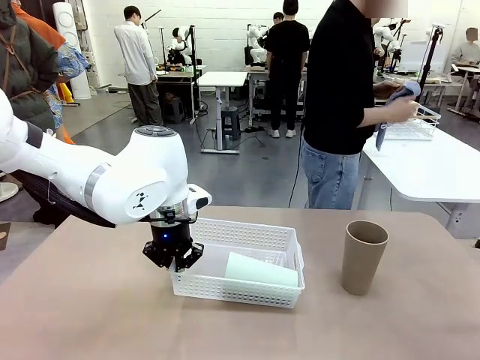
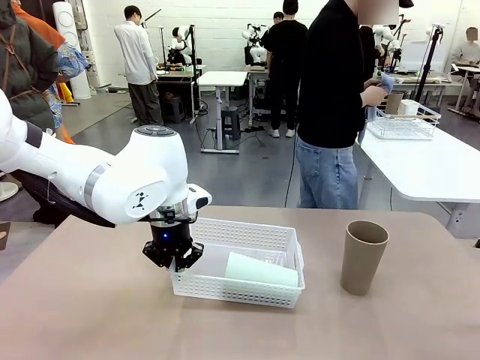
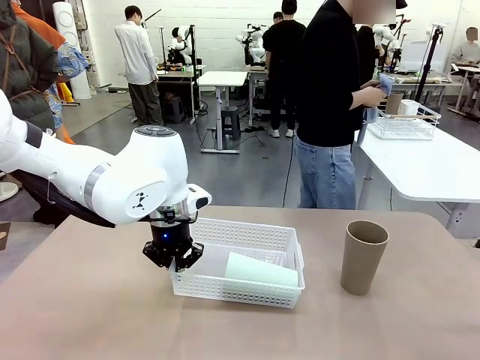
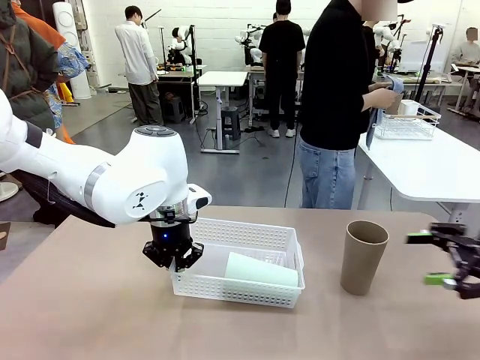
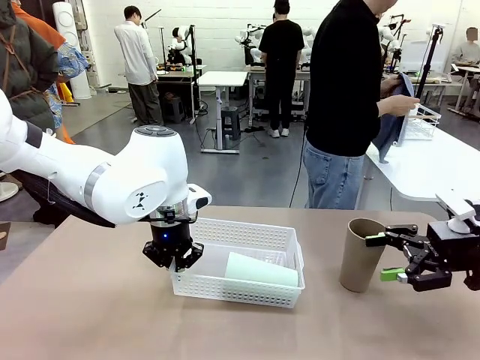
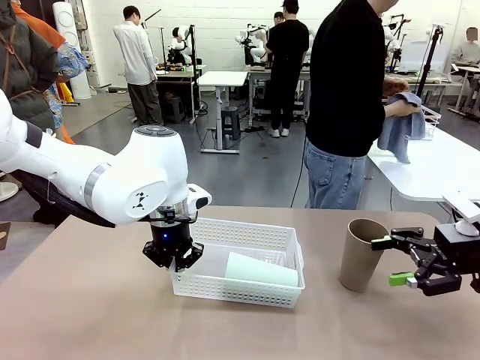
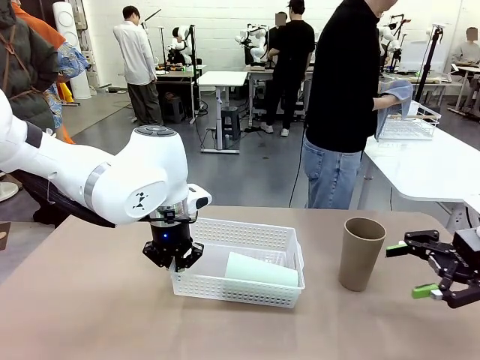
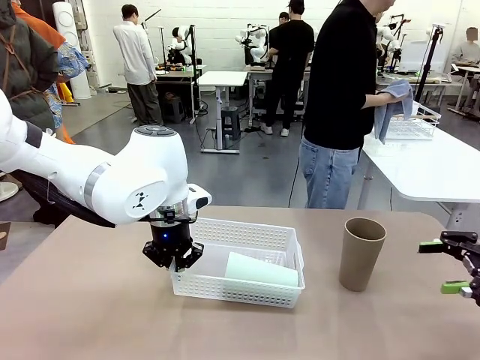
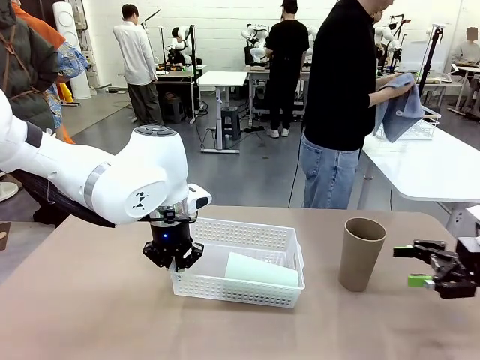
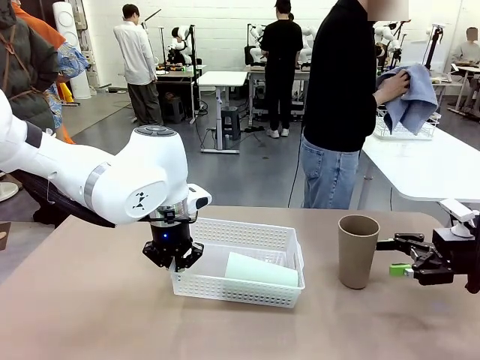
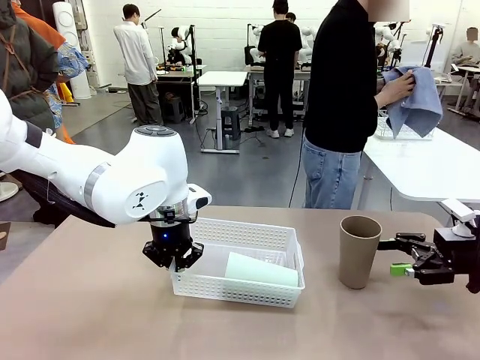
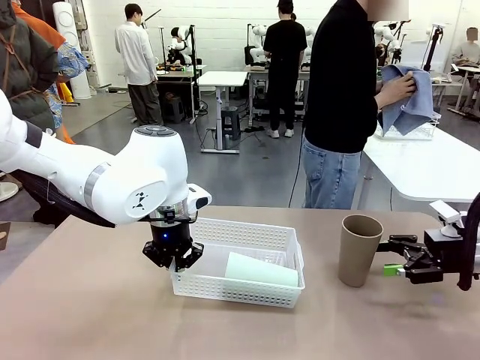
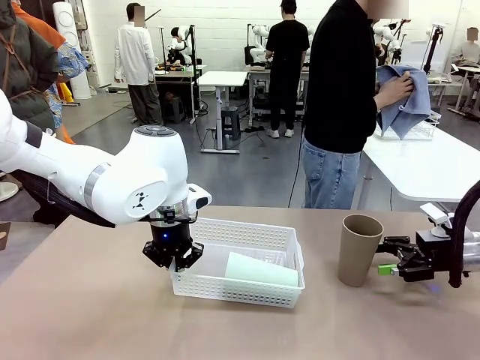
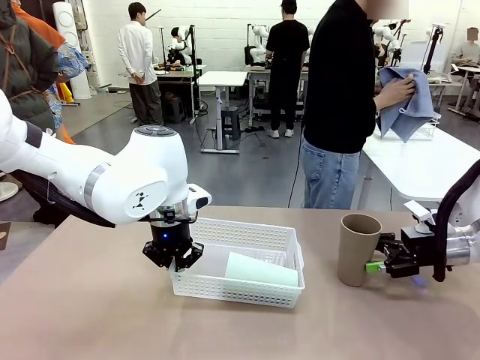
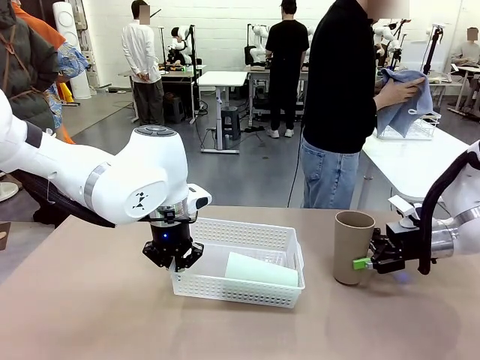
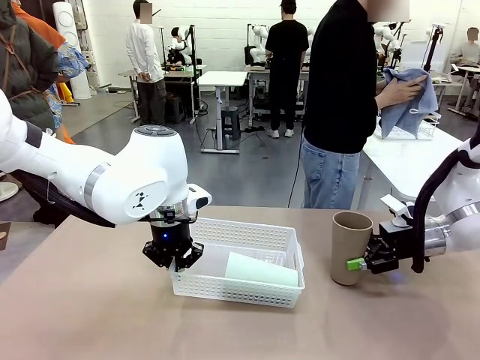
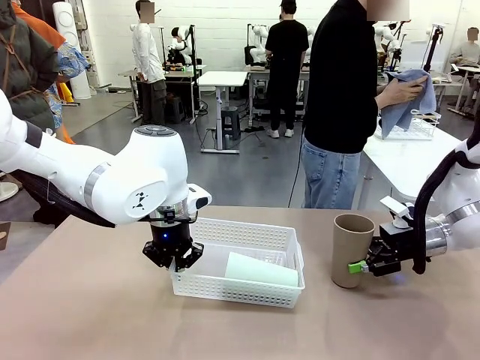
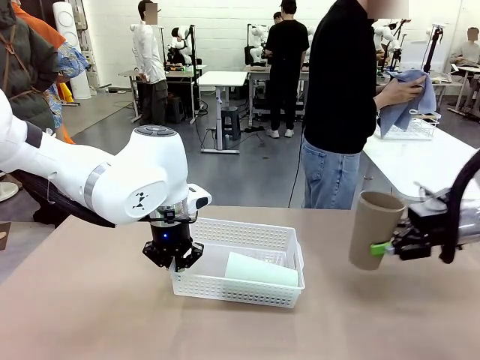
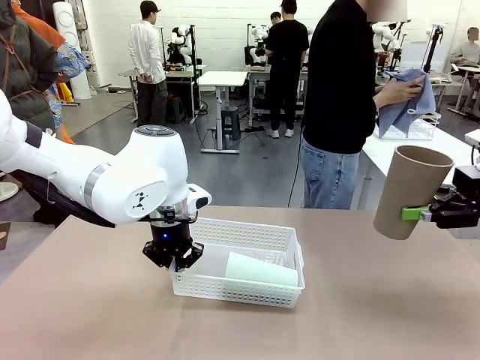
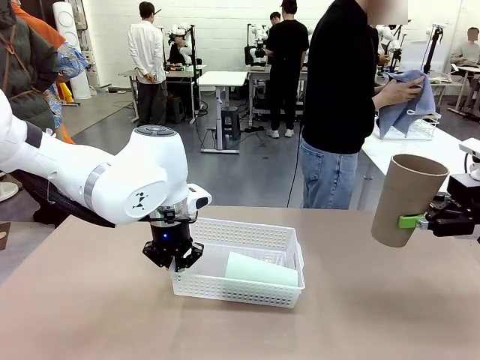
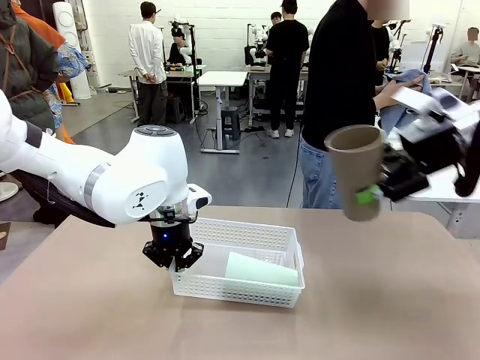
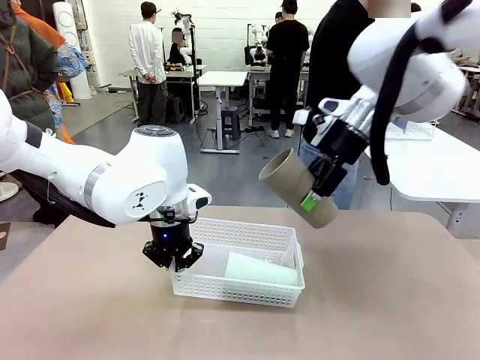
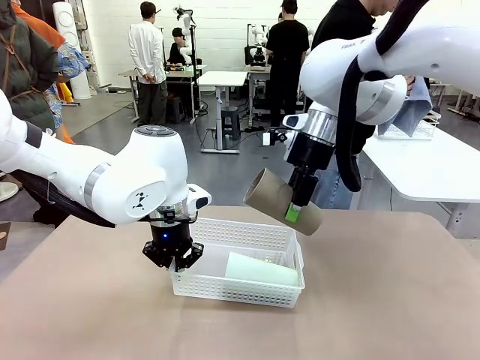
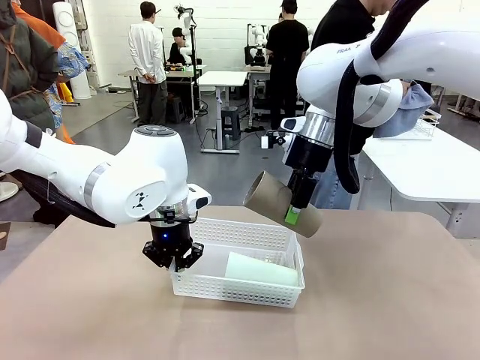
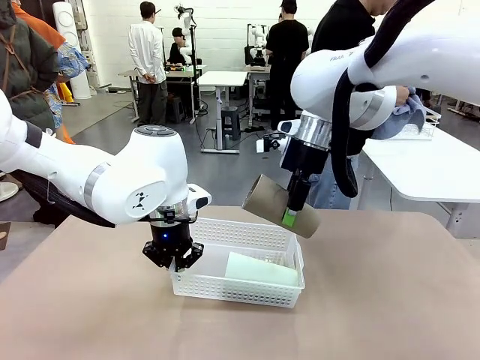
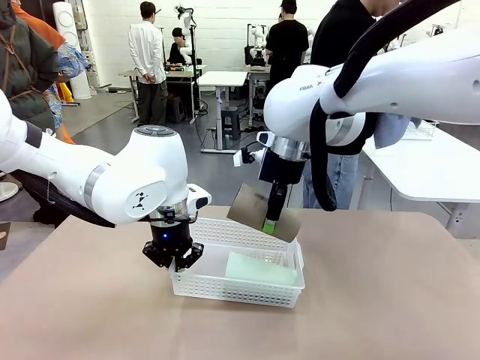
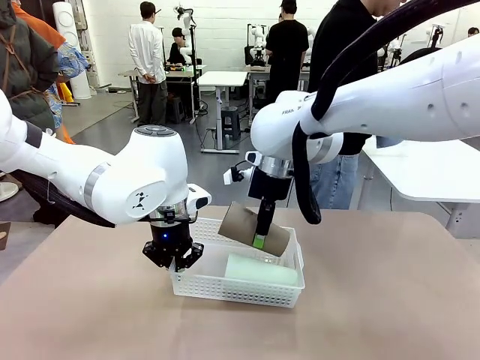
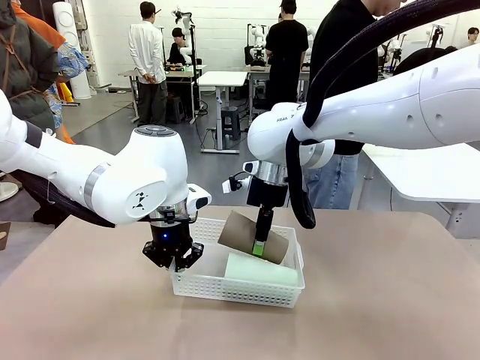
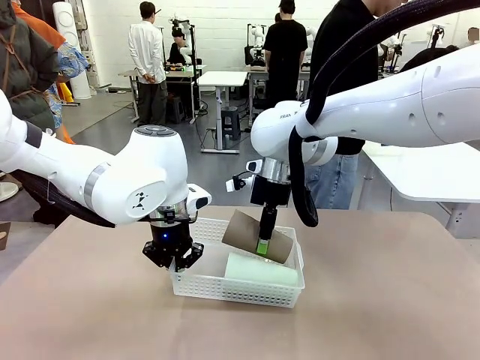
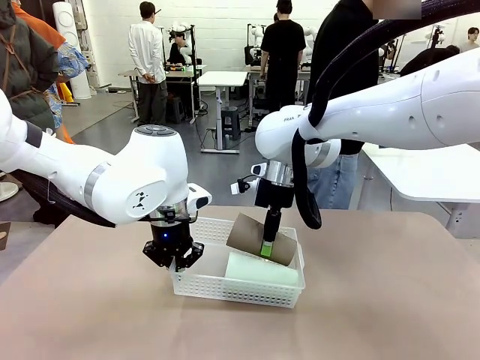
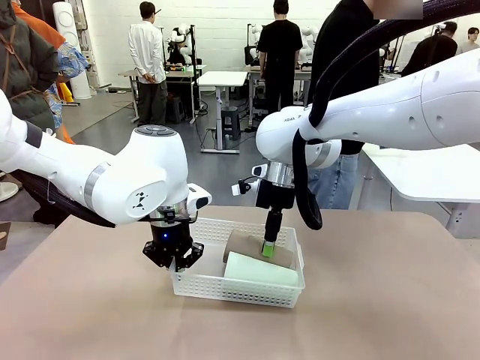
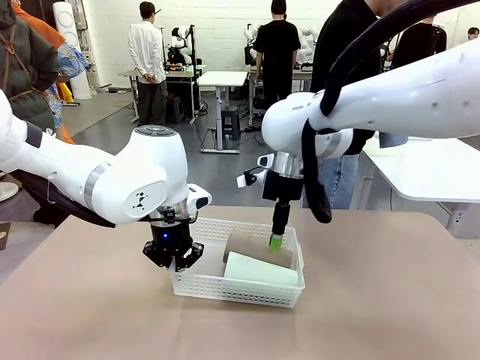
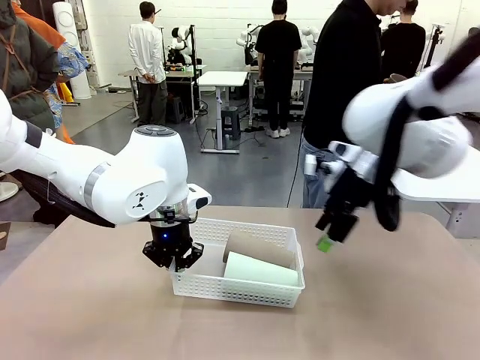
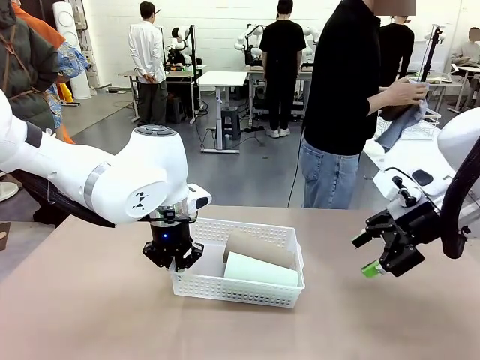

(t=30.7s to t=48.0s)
Task: Clean and organize the cups into the basket.
Robot: Pick up the Reusable plastic cup from the right side of the table and stack it inside the Organizing basket in the center of the table.

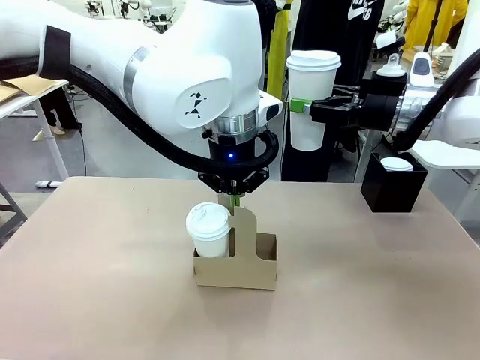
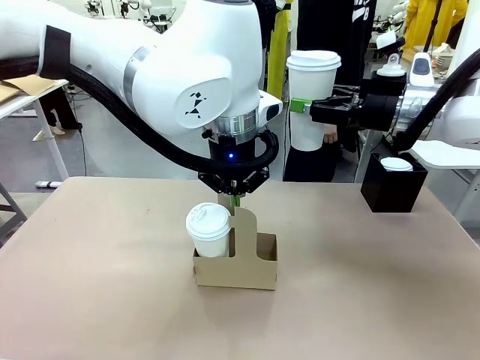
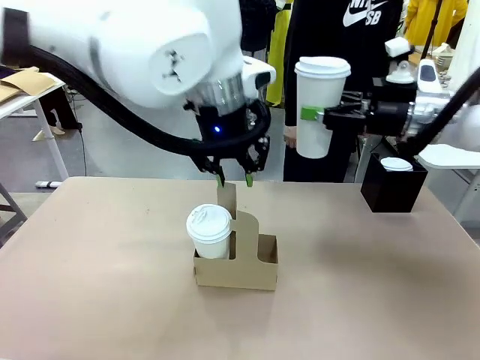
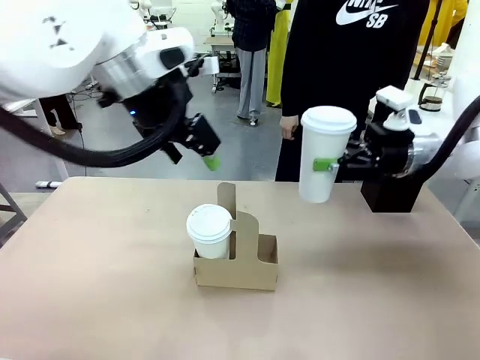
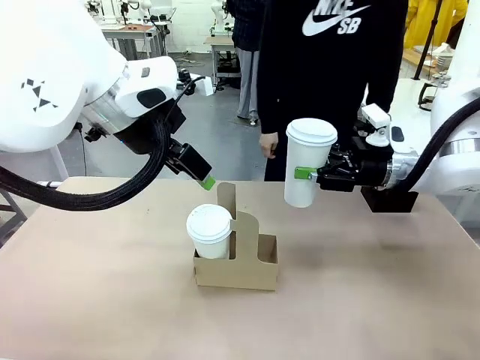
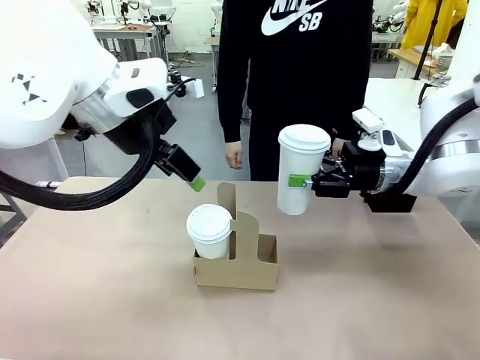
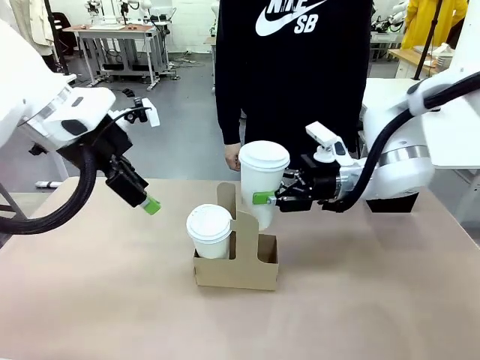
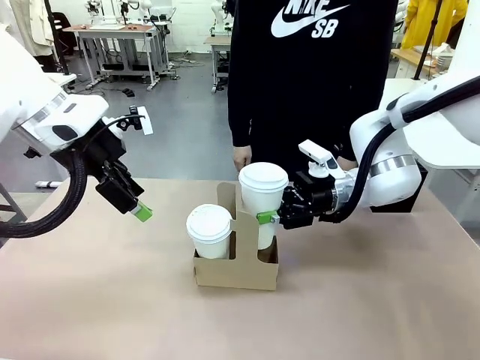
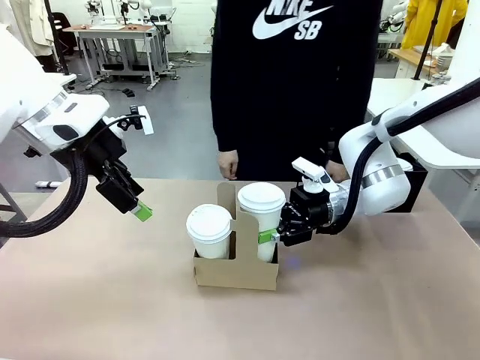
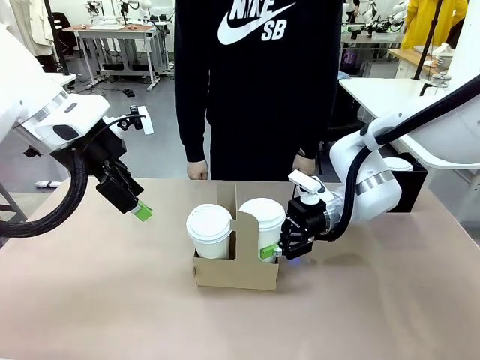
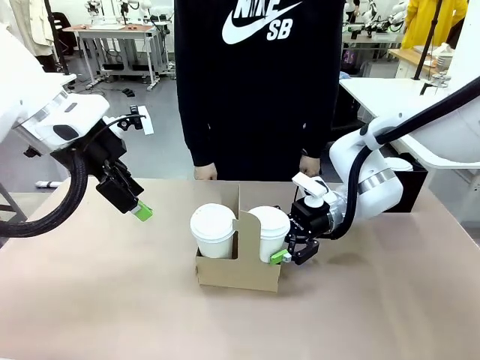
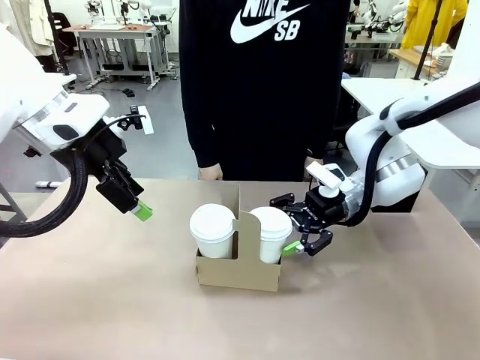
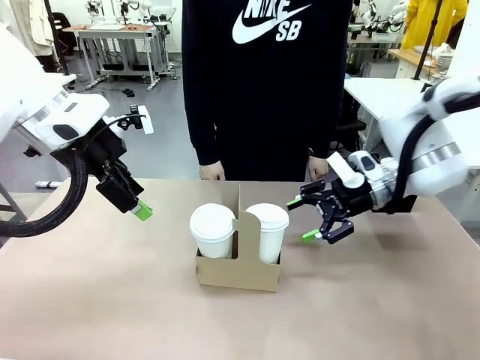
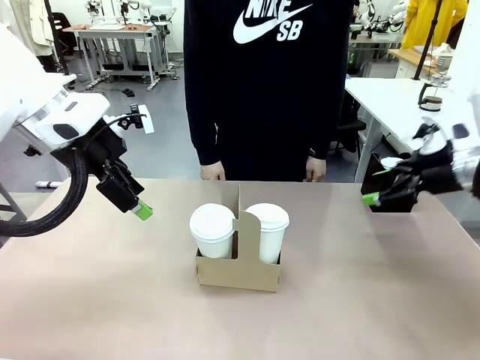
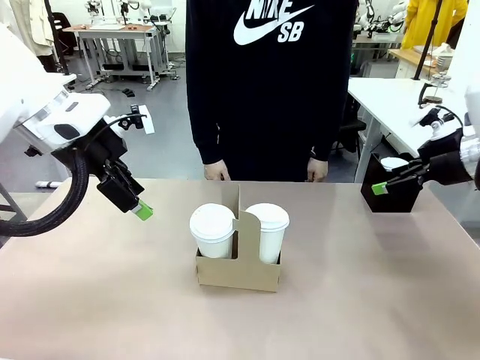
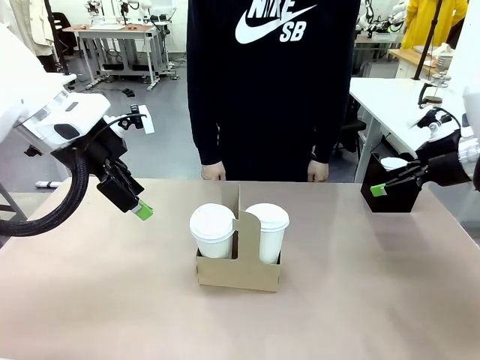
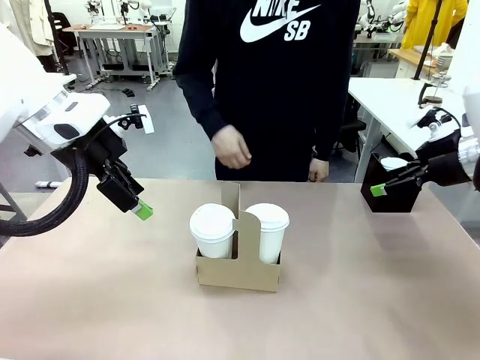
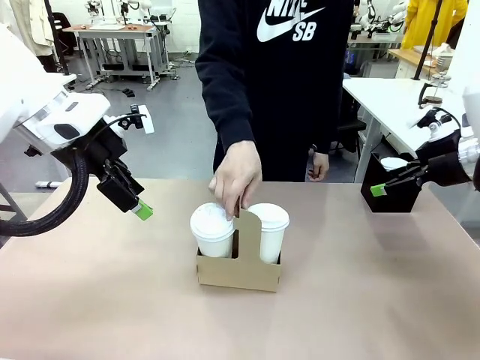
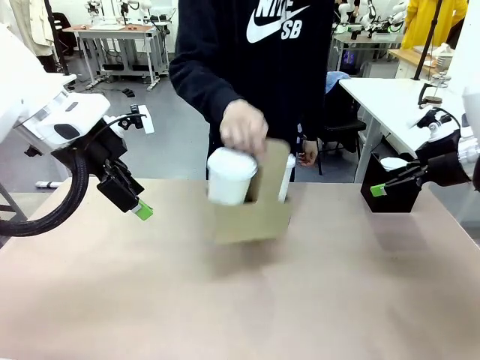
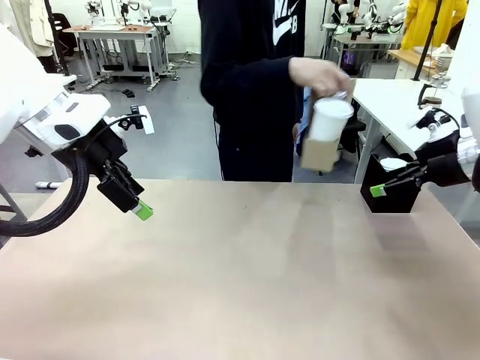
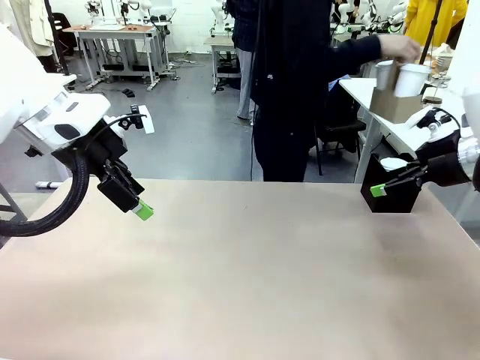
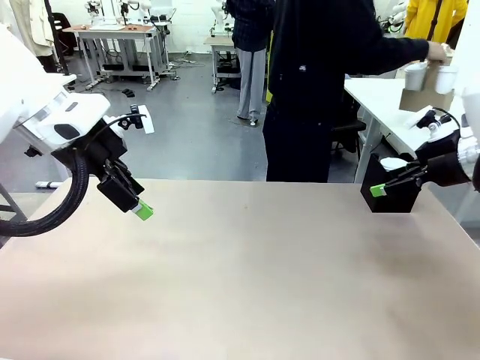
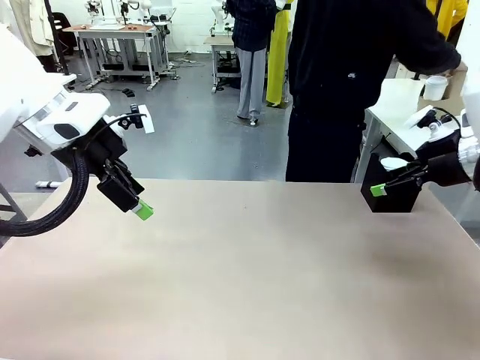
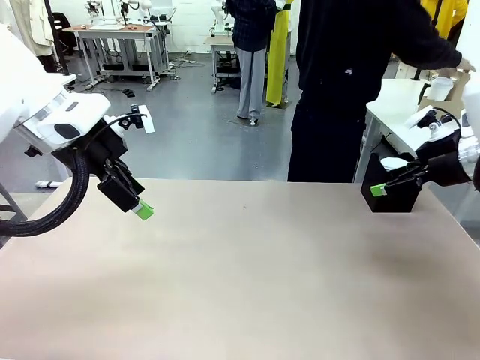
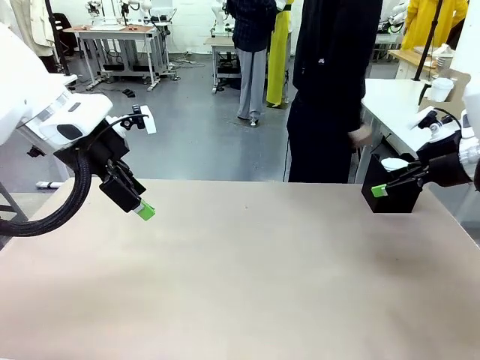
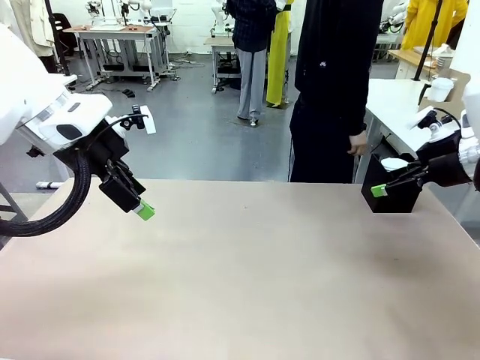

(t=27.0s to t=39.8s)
Task: Pour a drink into a cup and package it in a carrier.
Robot: Insert the held 600 ml Paper Cup into the Cup Carrier.
Person: Place the Cup Carrier to the middle of Human table.
